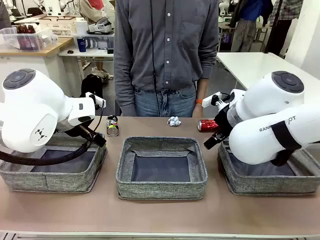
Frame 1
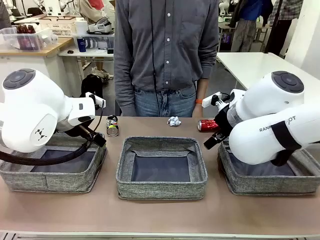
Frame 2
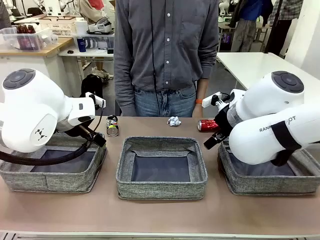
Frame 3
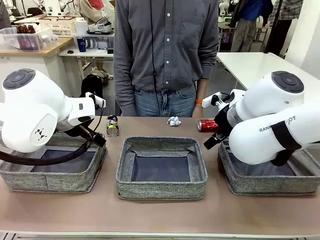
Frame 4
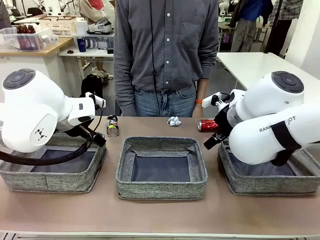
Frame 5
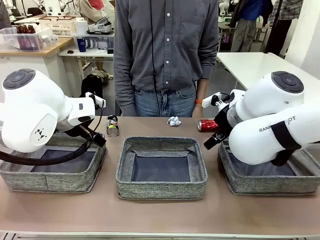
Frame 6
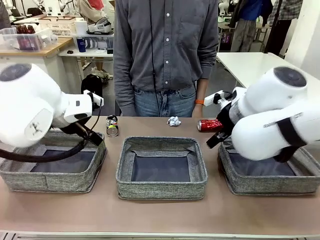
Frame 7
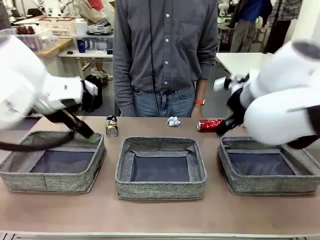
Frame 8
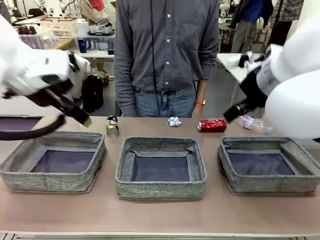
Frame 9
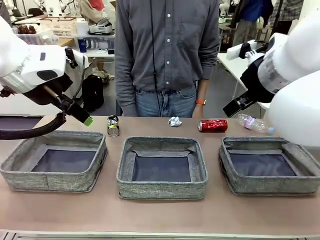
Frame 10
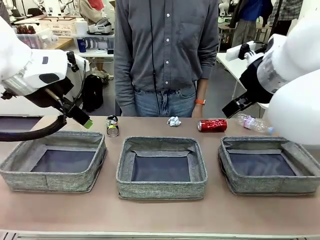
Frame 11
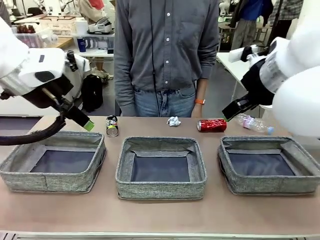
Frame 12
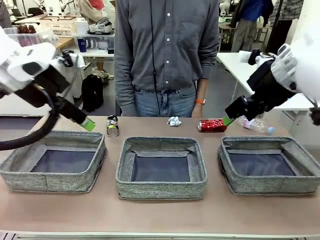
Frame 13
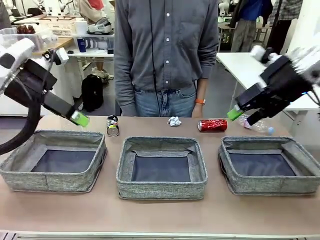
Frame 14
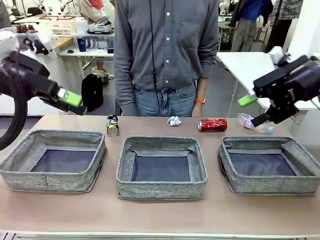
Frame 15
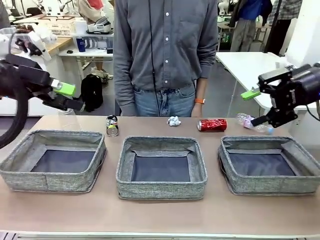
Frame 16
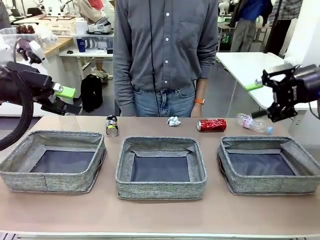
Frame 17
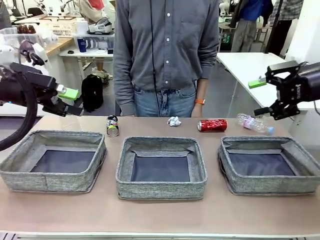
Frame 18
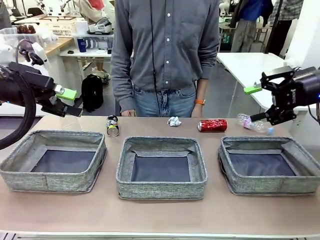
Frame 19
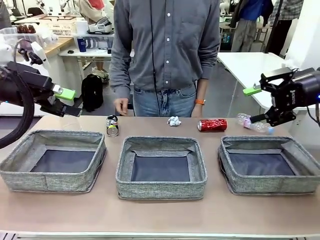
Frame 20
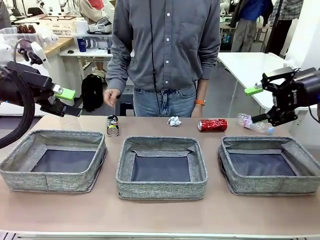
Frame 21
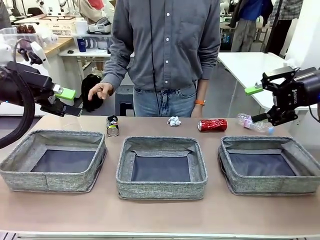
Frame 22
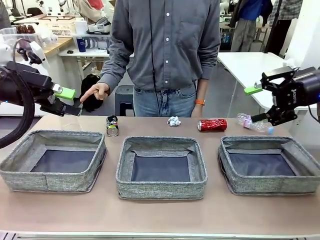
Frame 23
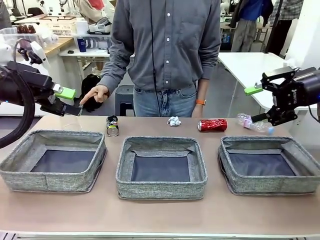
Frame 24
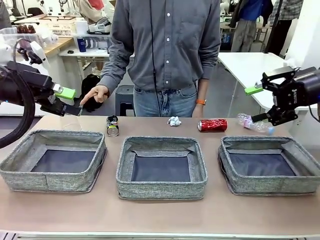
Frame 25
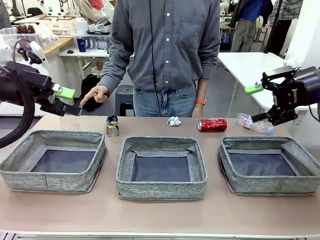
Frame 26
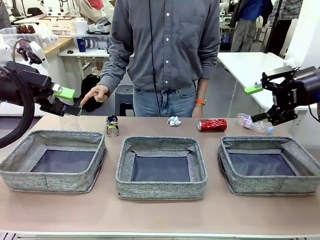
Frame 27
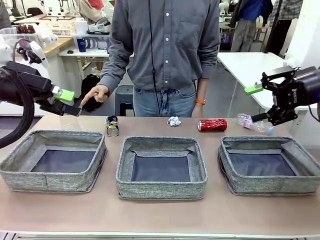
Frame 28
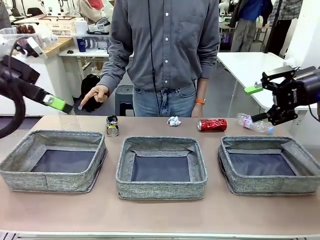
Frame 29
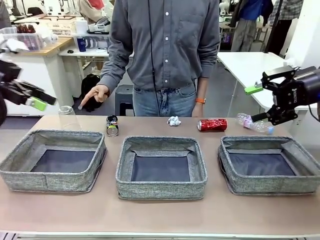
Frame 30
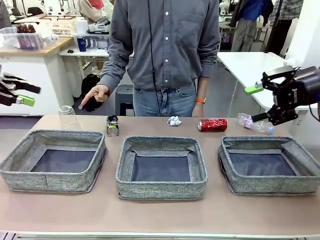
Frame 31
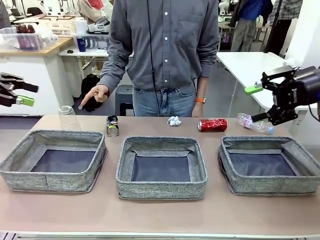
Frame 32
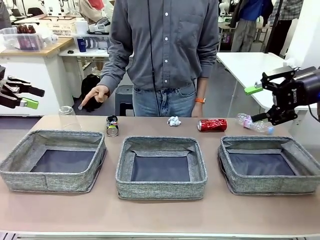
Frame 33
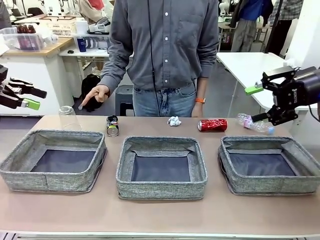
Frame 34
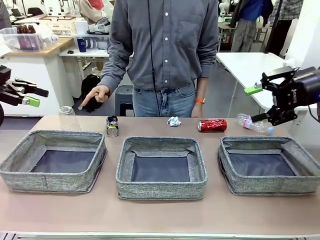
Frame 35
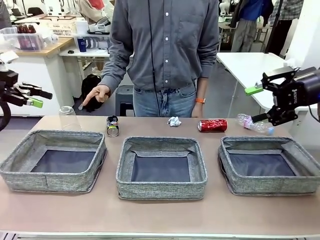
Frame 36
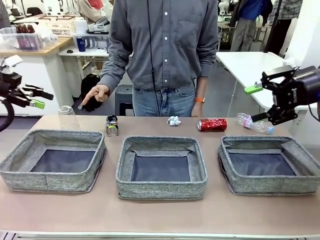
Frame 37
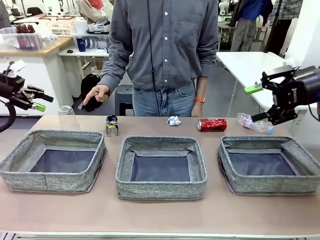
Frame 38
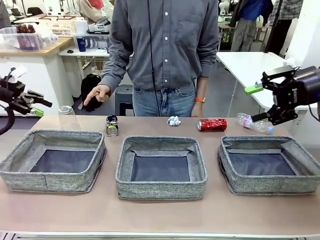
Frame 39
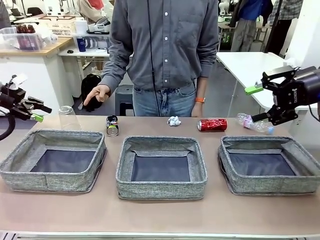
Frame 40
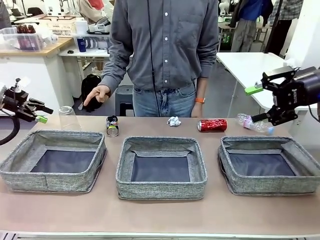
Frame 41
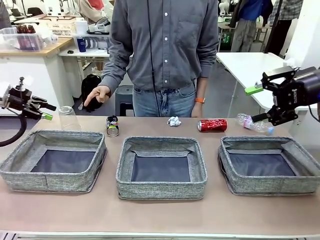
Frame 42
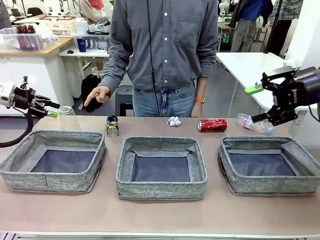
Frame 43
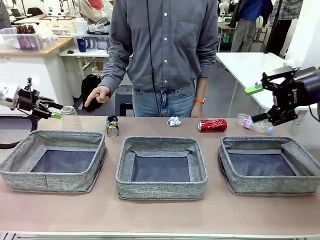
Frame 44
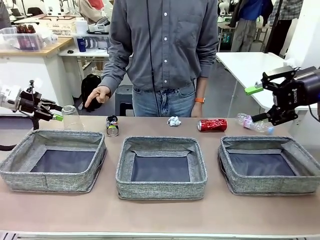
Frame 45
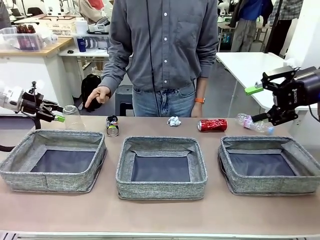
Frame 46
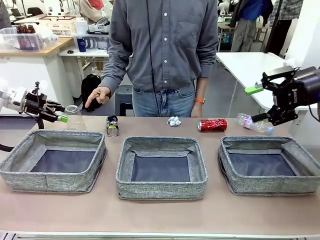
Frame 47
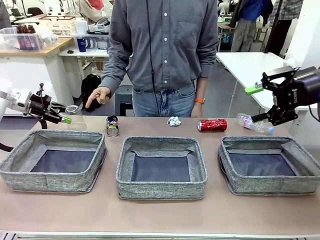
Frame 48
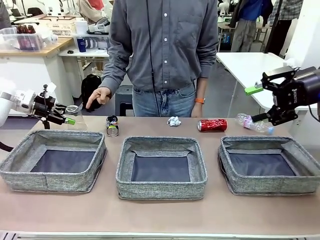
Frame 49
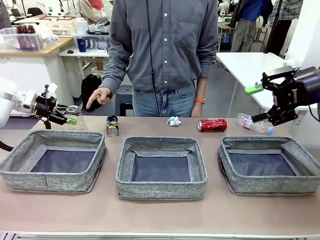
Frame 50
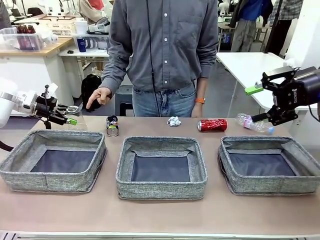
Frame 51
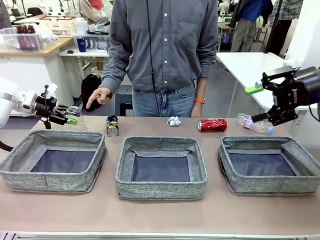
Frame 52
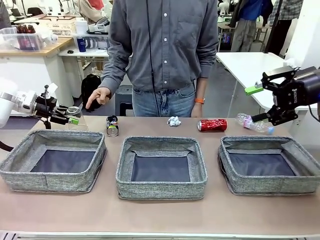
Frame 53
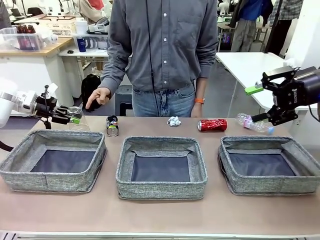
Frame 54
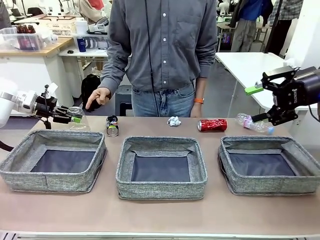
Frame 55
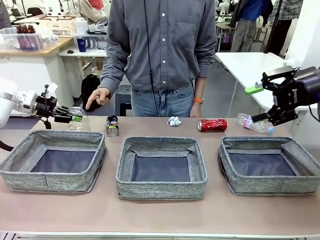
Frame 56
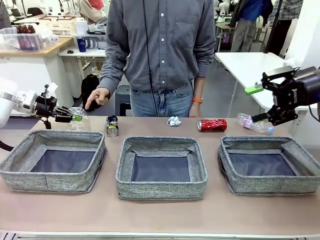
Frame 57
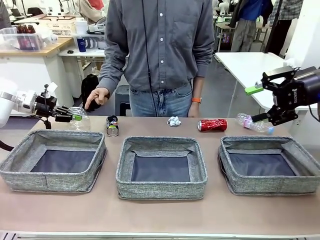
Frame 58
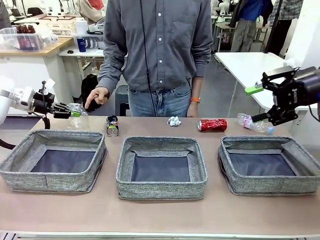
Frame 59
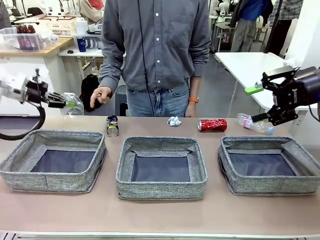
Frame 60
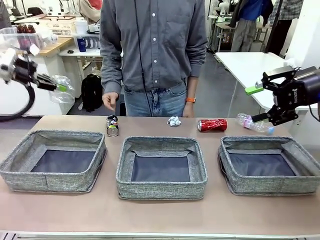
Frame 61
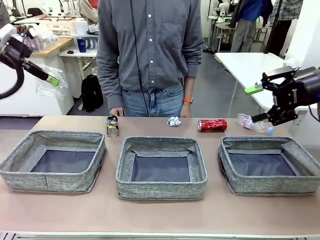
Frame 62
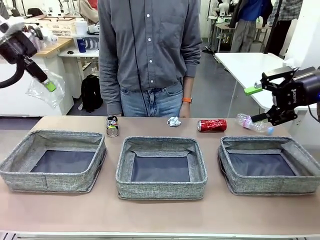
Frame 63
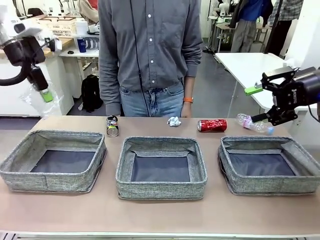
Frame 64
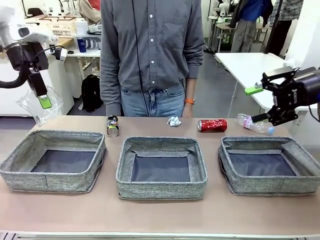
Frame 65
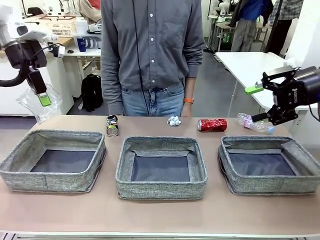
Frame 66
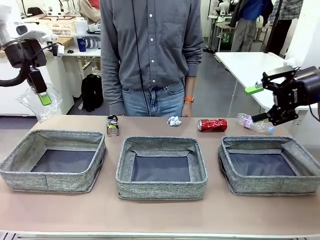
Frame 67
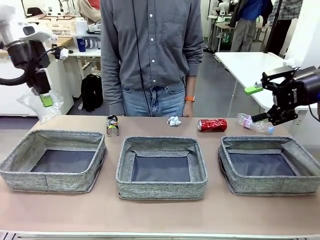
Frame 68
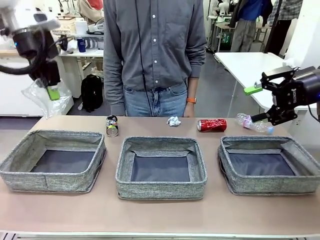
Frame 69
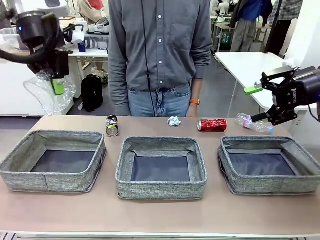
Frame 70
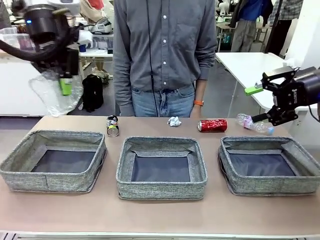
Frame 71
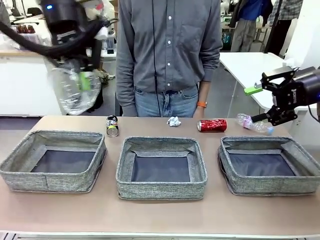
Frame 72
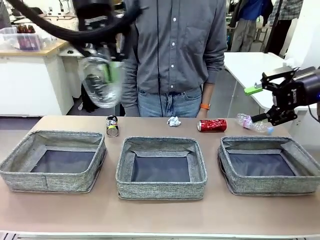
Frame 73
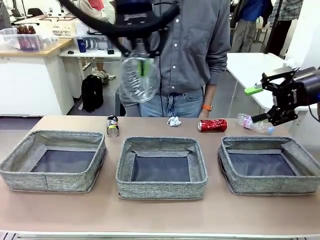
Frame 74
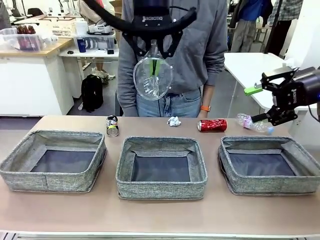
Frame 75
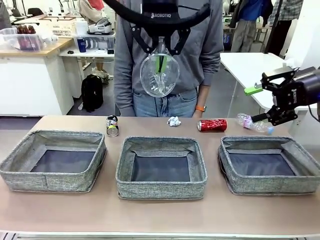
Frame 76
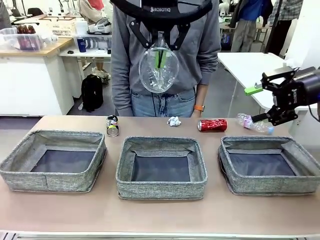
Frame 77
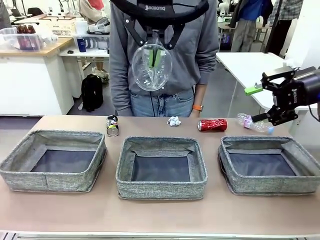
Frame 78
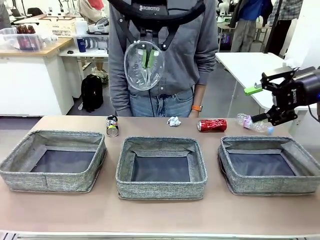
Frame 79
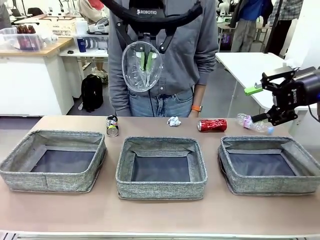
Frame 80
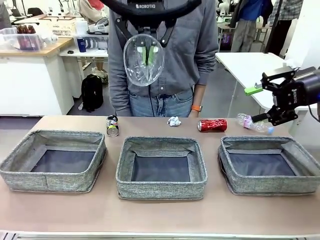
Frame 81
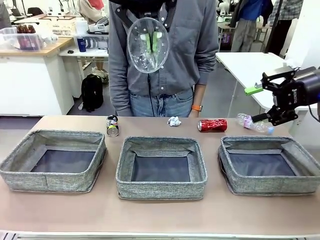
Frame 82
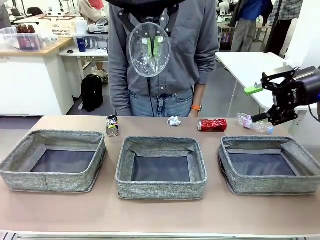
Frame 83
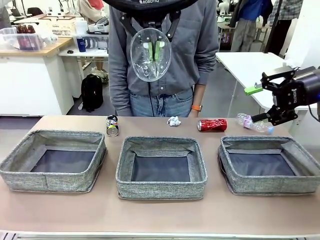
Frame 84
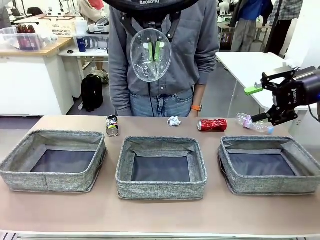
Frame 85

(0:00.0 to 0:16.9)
Task: Sort the waste into the appropriate baskets.
Robot: Pick up the waste item pointed out by the person.
Person: Points to one piece of trash on the table.
